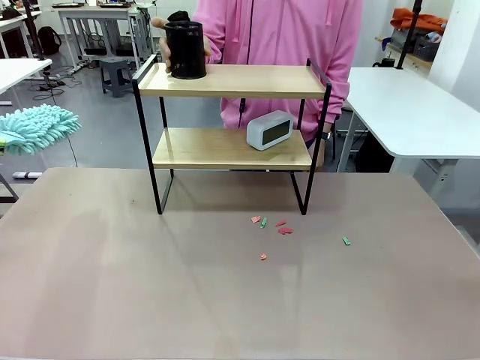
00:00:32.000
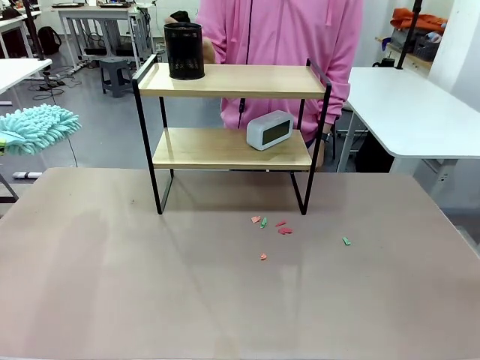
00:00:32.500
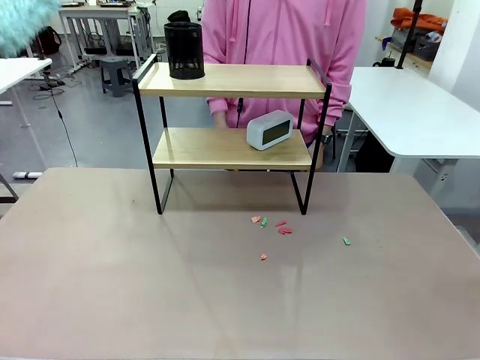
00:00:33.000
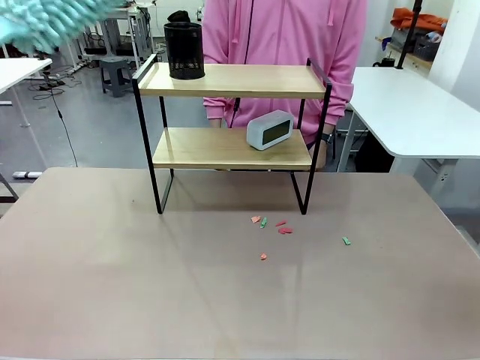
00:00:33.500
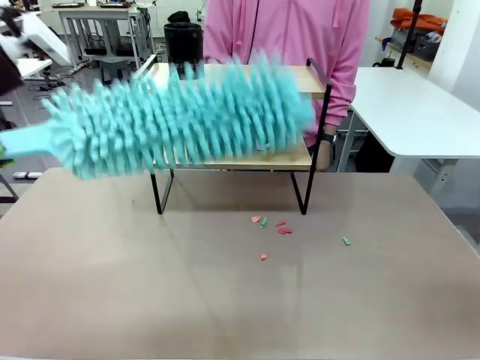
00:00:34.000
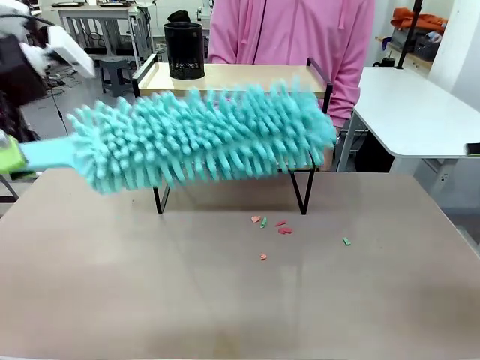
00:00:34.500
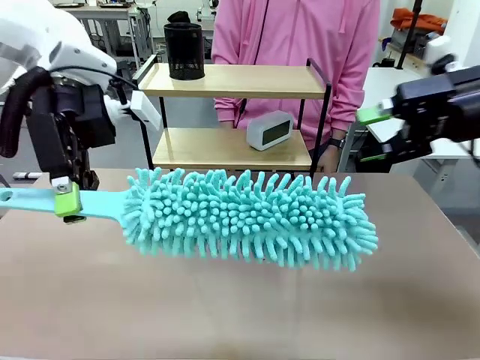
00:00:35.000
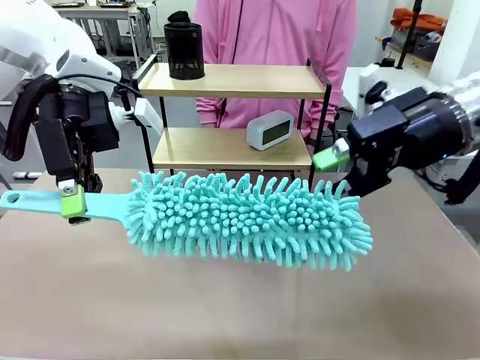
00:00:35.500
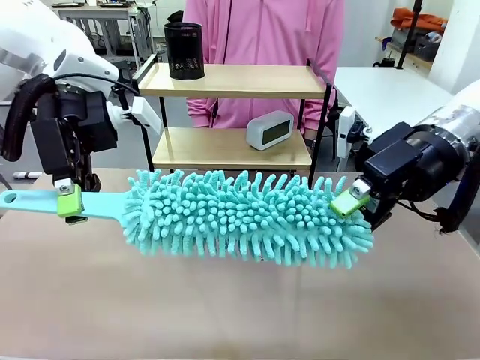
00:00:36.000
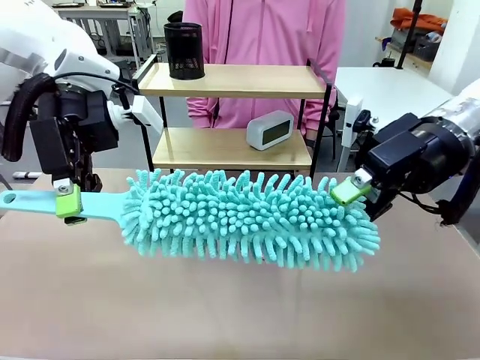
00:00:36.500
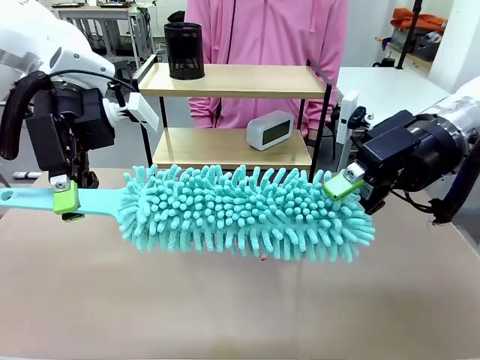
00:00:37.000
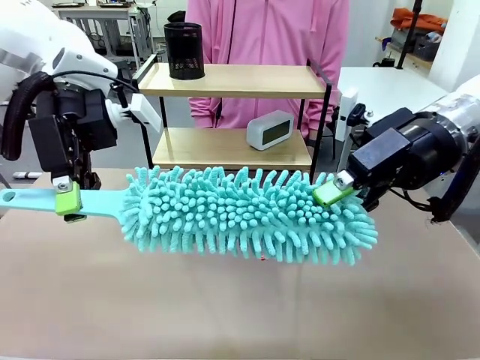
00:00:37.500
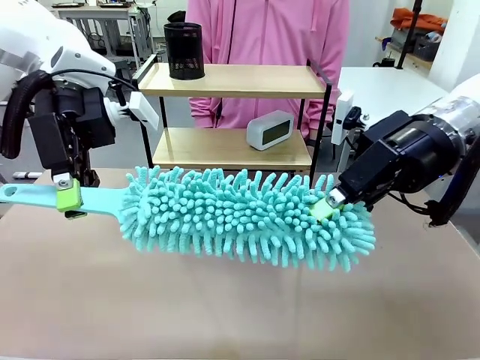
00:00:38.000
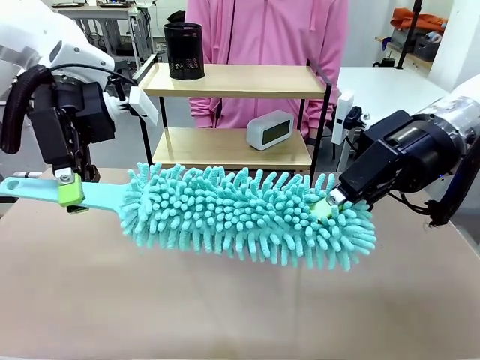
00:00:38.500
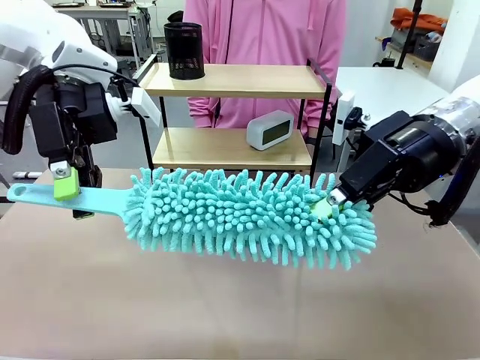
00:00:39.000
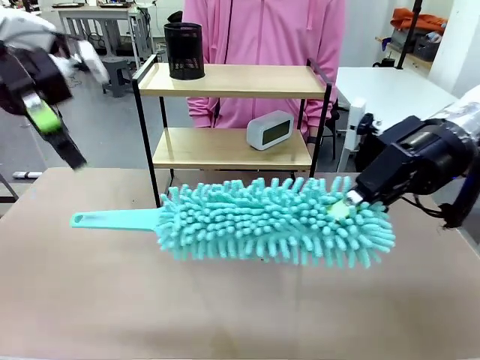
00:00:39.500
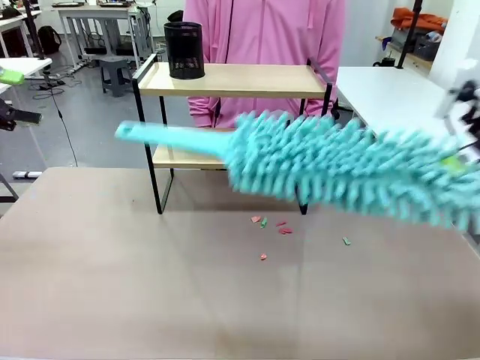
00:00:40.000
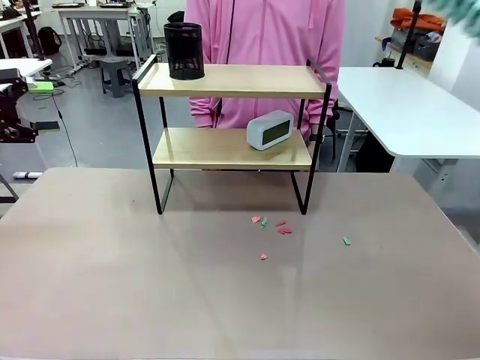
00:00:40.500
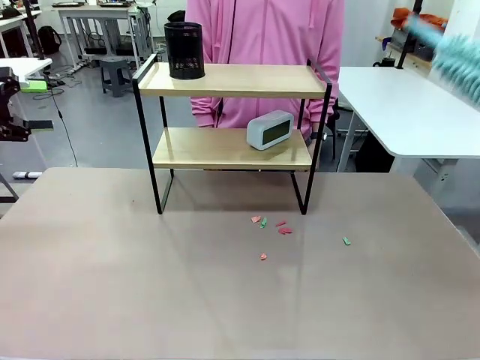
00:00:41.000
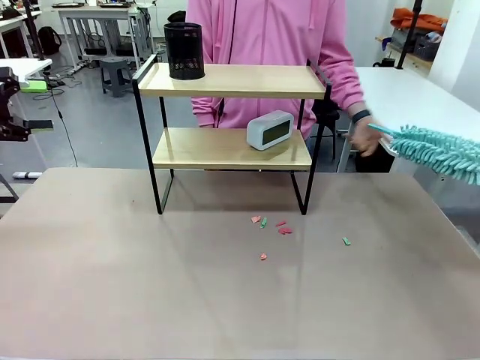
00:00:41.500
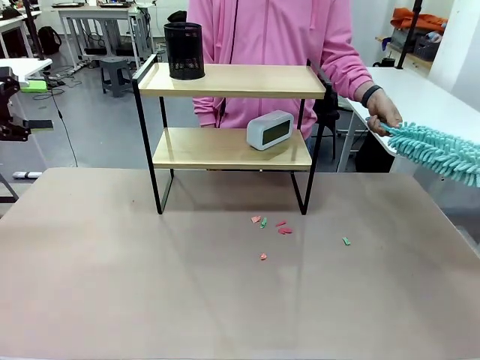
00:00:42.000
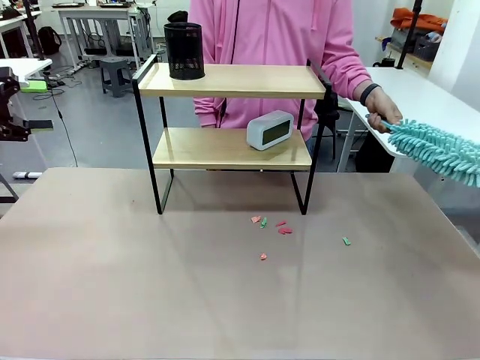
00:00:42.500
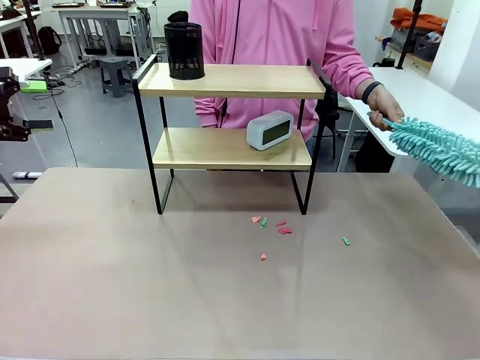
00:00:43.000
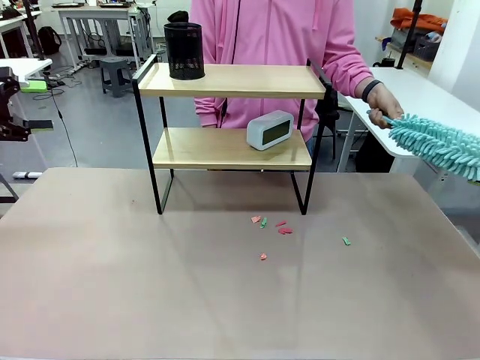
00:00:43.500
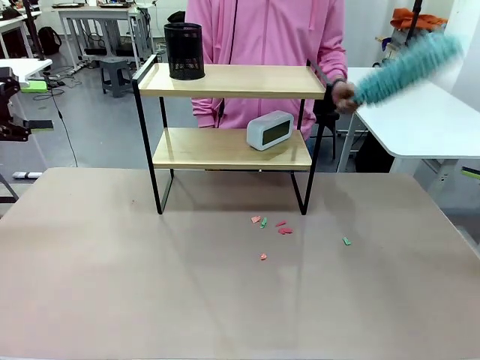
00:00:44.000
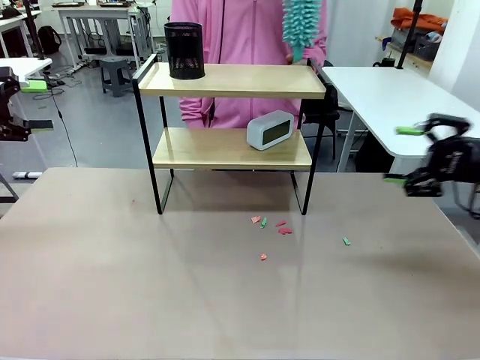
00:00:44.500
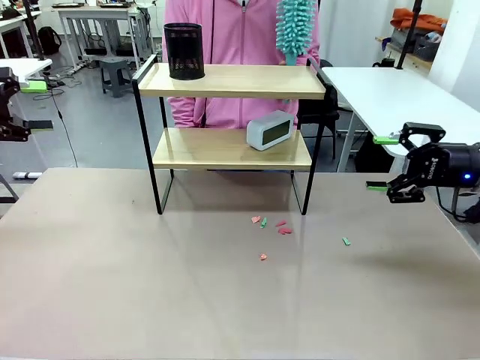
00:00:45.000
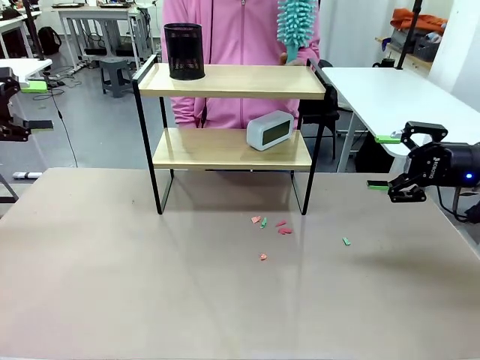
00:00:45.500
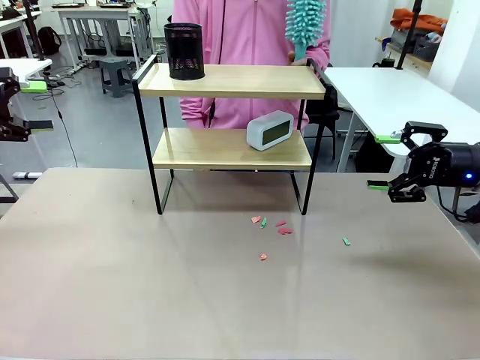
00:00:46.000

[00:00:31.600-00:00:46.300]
Task: Clean the shelf.
Robot: Hand the Duster back to the human.
Person: Receive the Duster from the robot.

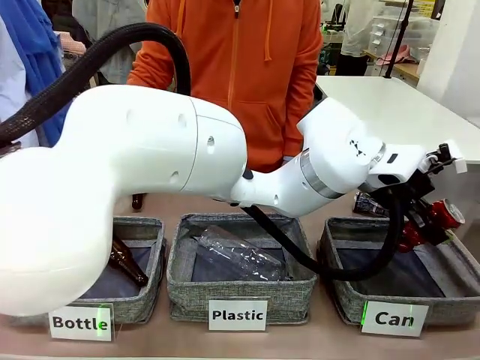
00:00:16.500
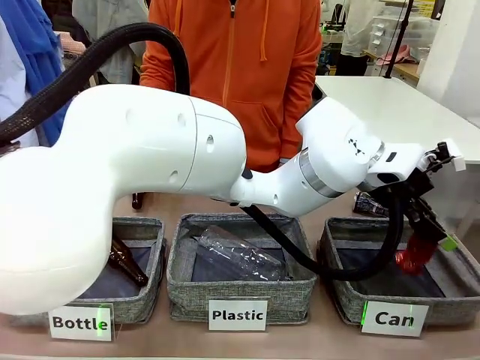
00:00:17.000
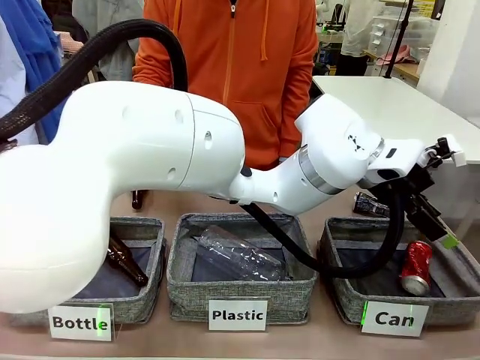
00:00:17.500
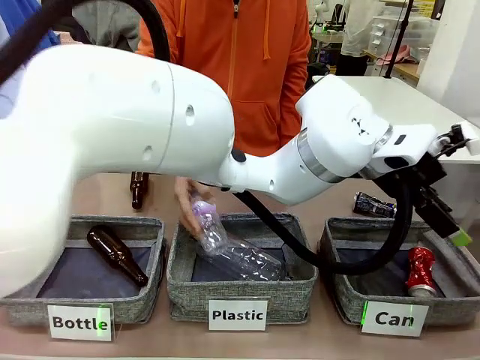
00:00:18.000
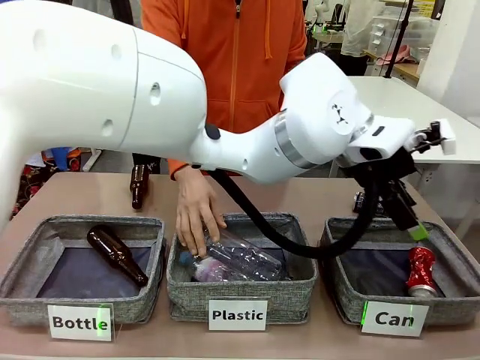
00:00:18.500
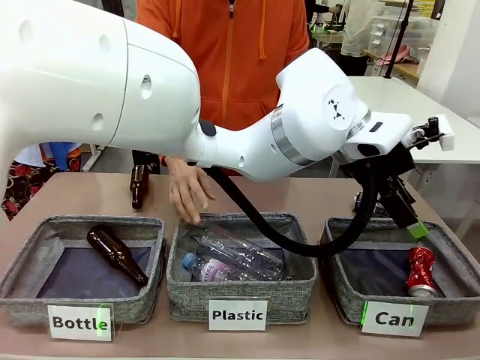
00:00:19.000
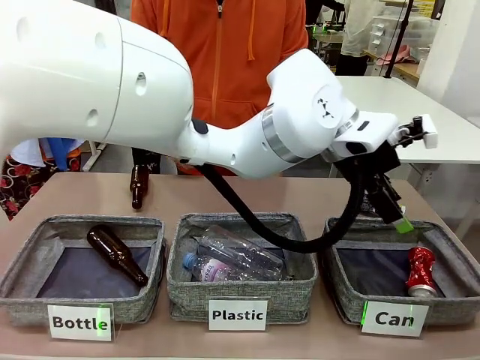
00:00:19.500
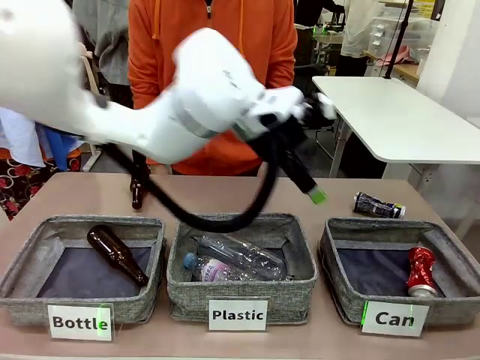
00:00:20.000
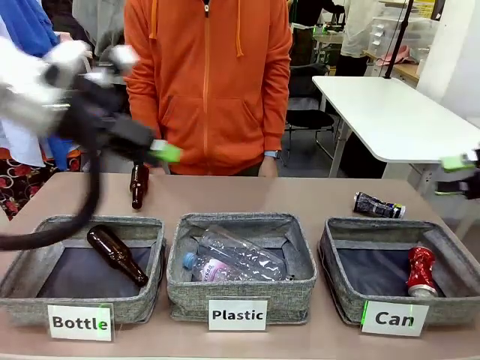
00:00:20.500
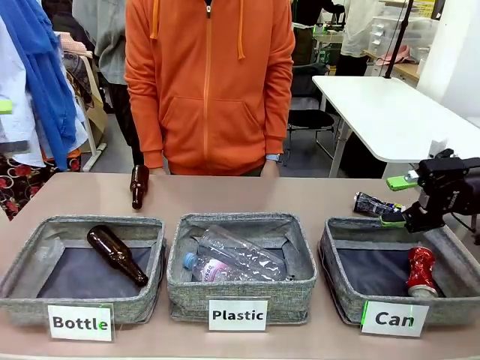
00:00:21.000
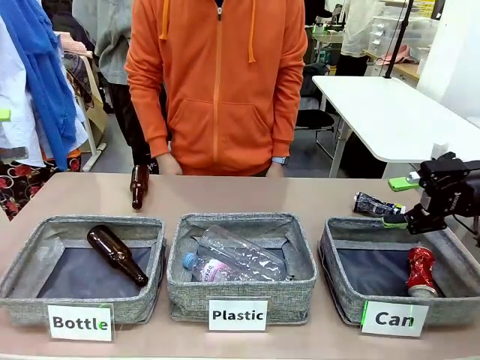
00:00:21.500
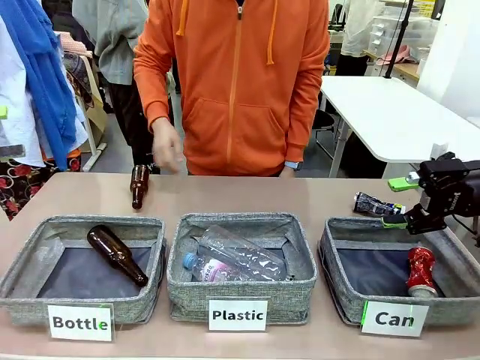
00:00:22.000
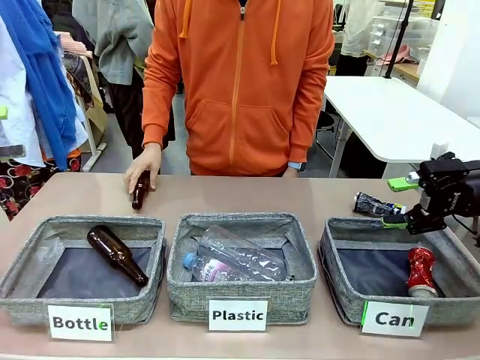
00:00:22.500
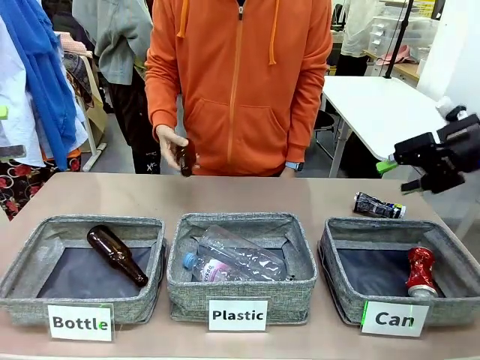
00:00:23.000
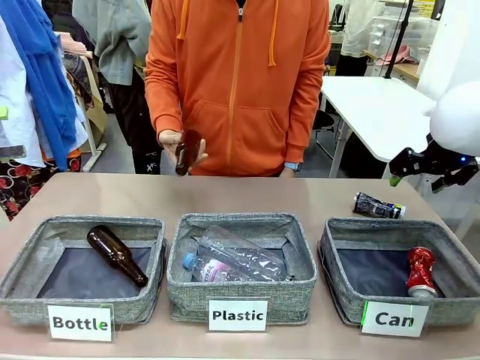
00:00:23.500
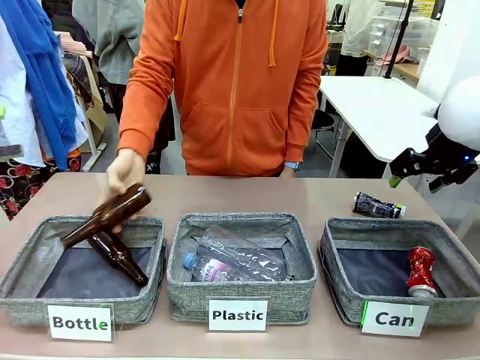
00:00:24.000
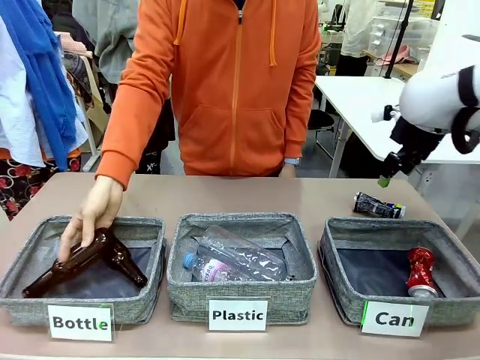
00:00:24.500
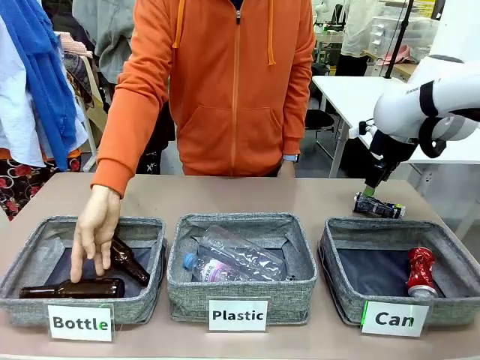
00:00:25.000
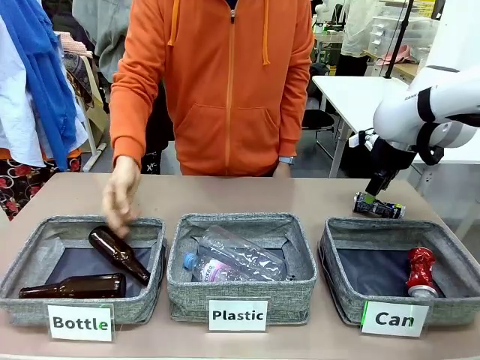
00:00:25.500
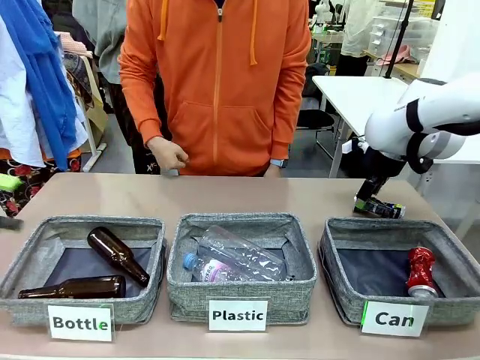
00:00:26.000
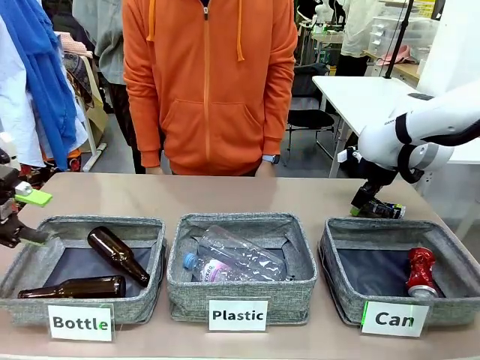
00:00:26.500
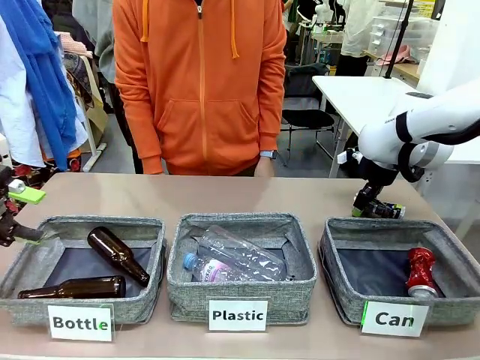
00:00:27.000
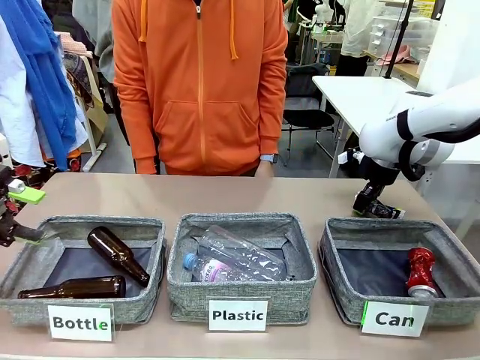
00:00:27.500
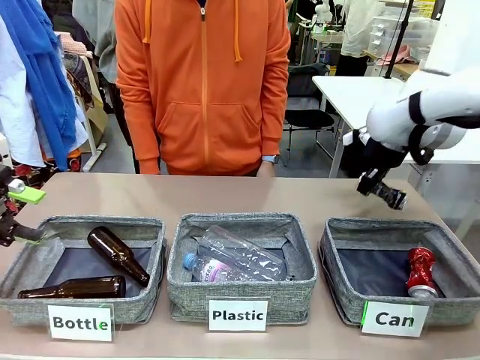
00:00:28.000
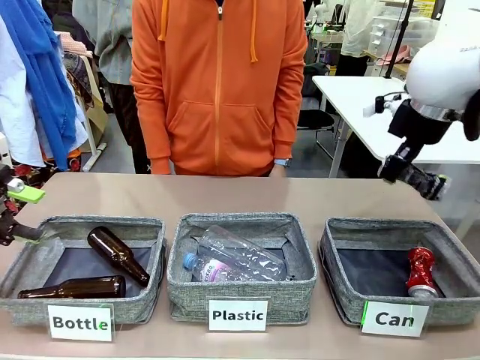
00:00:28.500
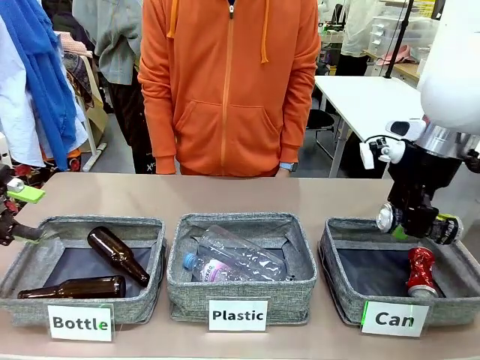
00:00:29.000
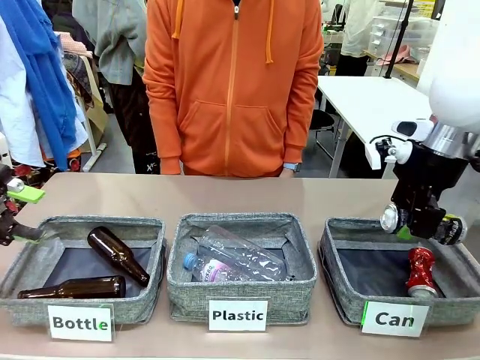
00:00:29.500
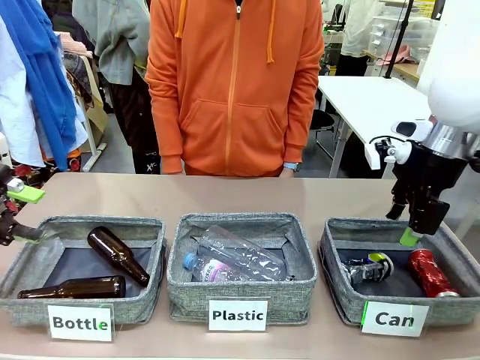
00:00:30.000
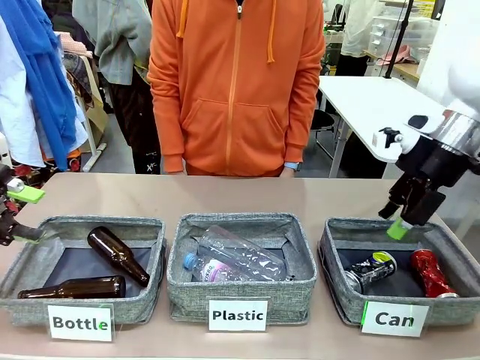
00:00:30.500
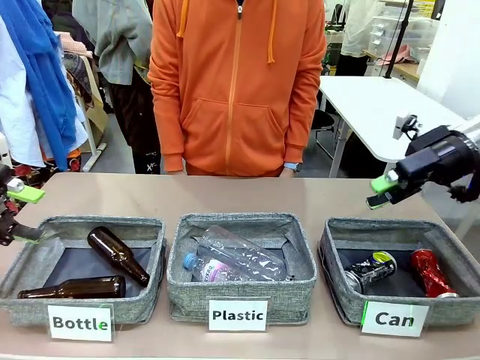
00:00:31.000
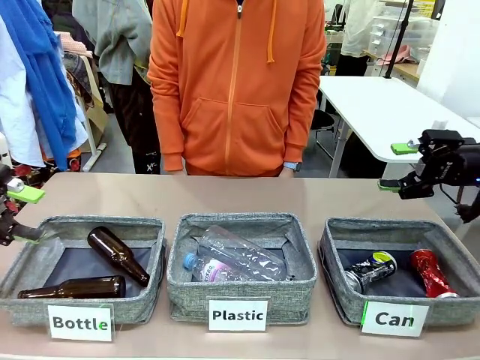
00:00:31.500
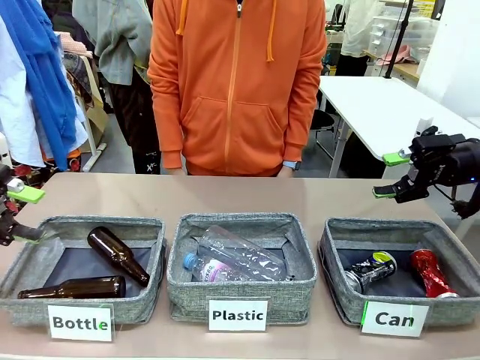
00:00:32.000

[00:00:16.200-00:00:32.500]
Task: Sort the can waste into the basket.
Robot: Pick up the can waste from the table and place it in the right Fabric basket.
Person: The human picks up one piece of trash that is not a can and places the trash into the appropriate organizing basket.
